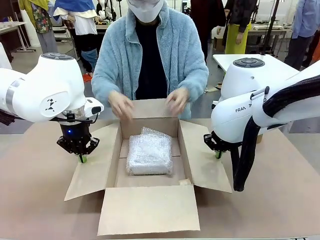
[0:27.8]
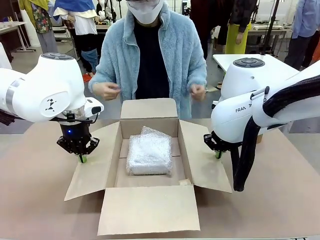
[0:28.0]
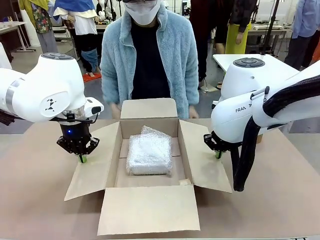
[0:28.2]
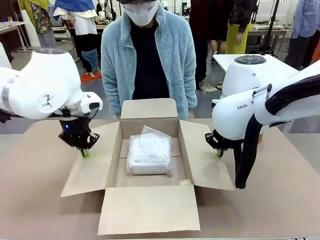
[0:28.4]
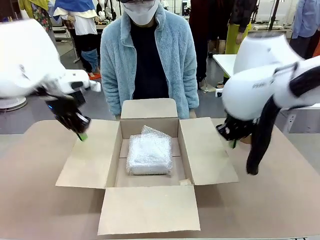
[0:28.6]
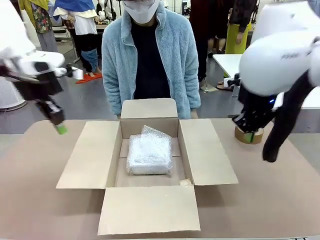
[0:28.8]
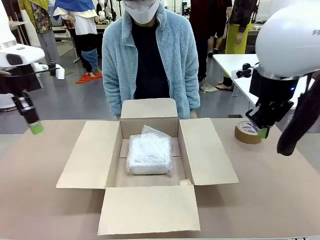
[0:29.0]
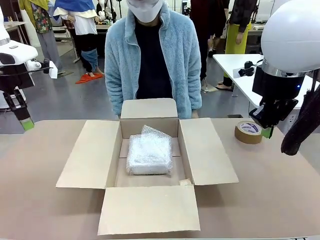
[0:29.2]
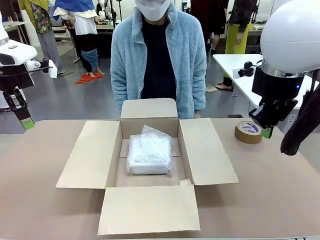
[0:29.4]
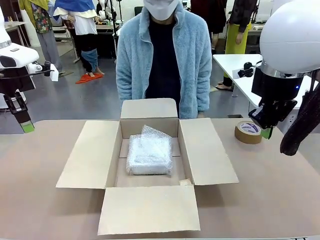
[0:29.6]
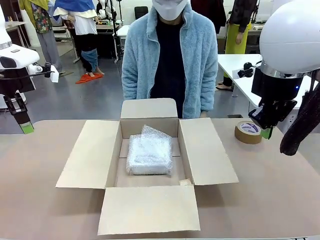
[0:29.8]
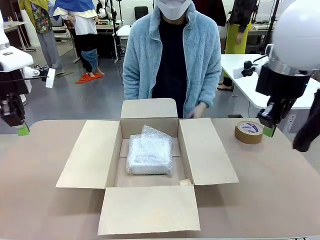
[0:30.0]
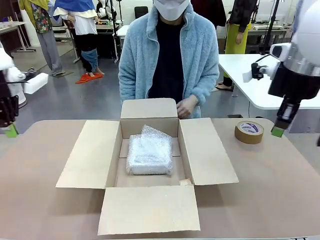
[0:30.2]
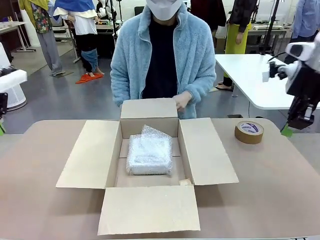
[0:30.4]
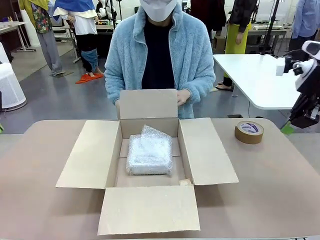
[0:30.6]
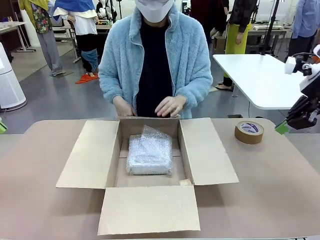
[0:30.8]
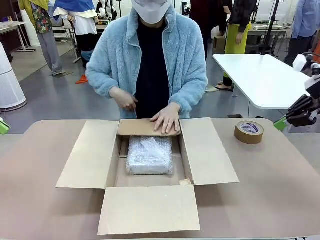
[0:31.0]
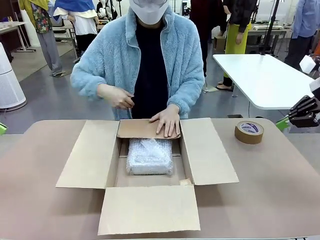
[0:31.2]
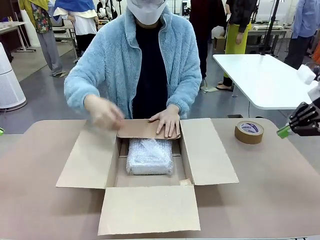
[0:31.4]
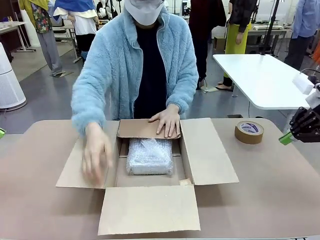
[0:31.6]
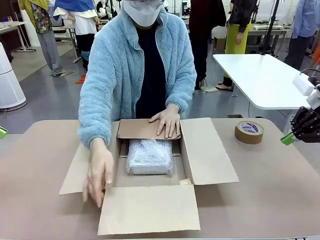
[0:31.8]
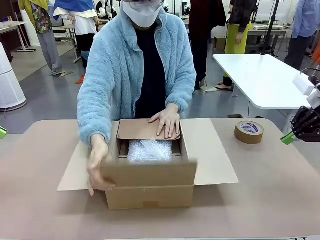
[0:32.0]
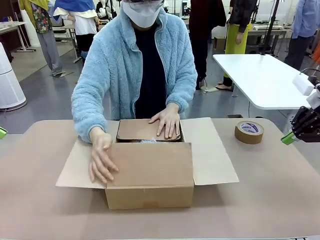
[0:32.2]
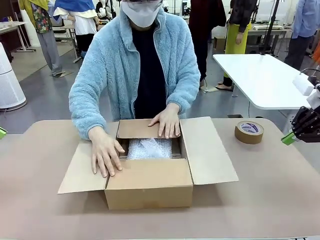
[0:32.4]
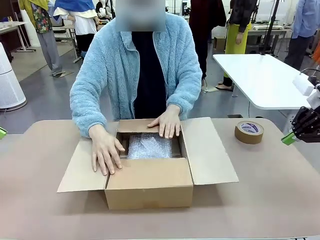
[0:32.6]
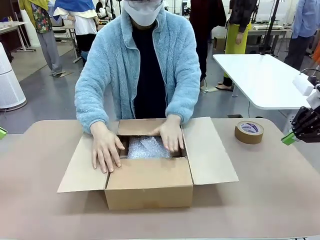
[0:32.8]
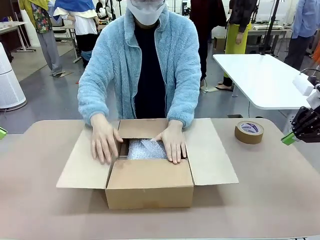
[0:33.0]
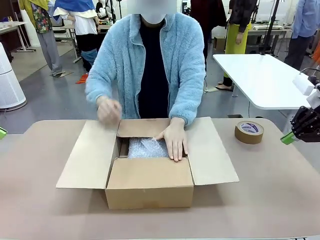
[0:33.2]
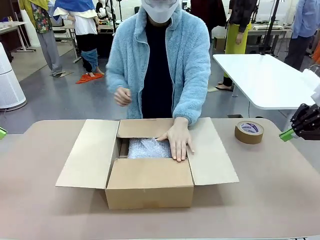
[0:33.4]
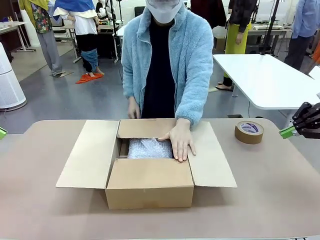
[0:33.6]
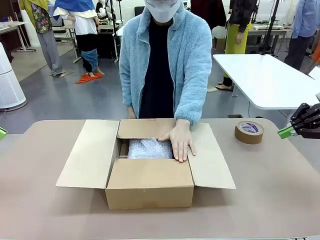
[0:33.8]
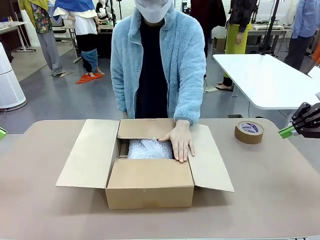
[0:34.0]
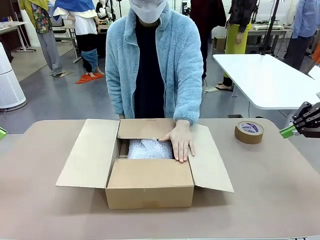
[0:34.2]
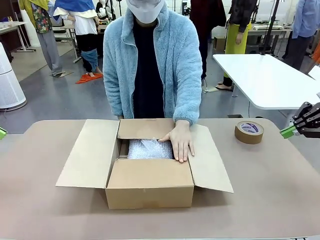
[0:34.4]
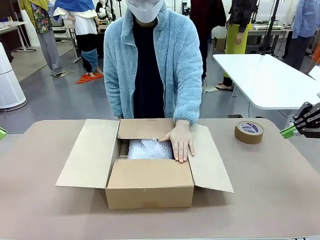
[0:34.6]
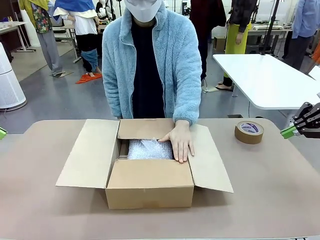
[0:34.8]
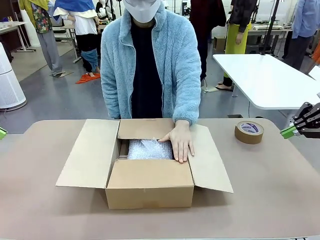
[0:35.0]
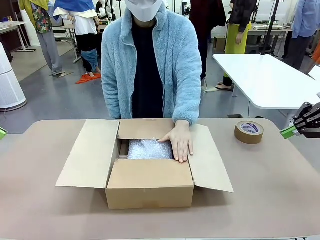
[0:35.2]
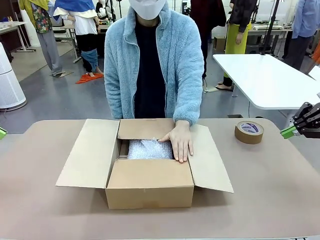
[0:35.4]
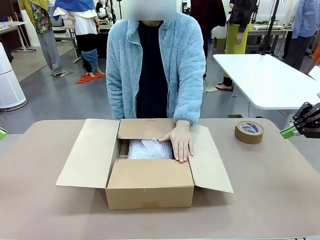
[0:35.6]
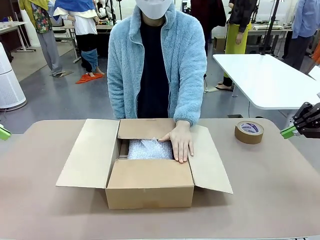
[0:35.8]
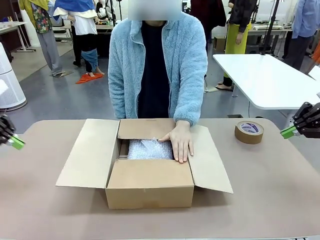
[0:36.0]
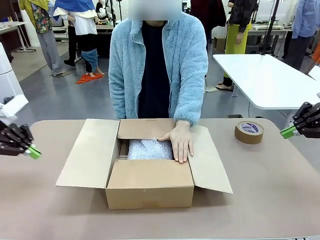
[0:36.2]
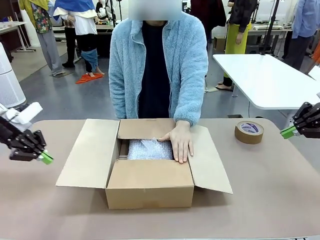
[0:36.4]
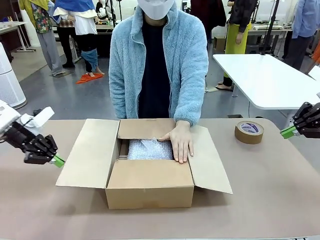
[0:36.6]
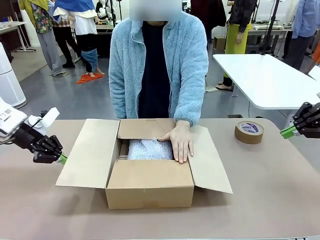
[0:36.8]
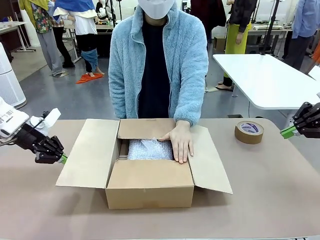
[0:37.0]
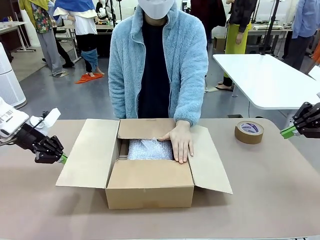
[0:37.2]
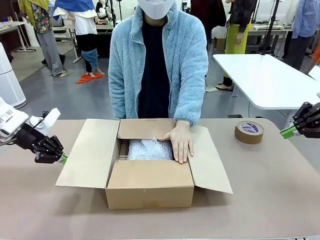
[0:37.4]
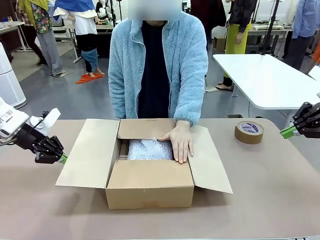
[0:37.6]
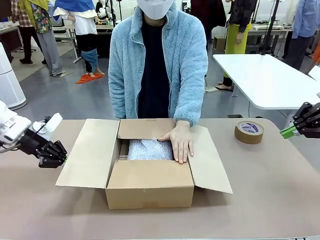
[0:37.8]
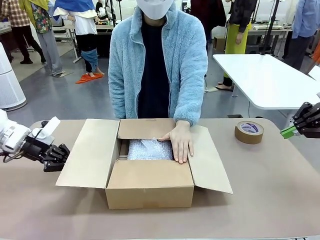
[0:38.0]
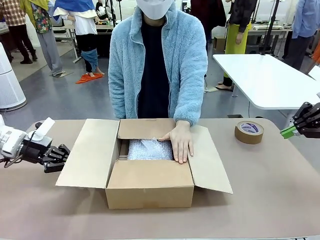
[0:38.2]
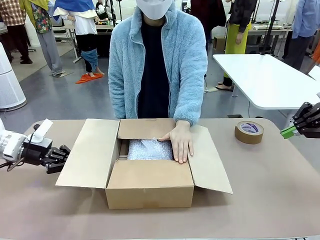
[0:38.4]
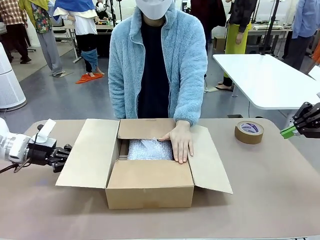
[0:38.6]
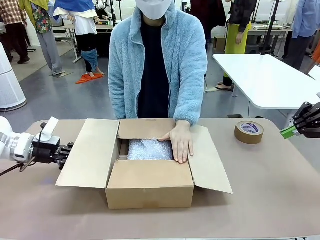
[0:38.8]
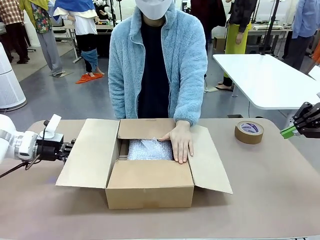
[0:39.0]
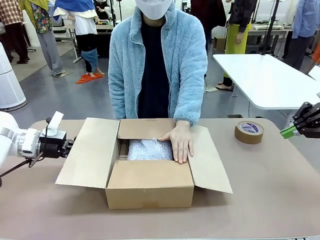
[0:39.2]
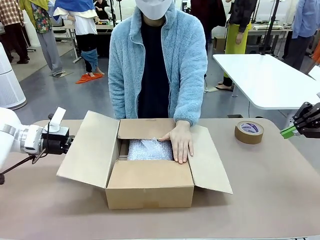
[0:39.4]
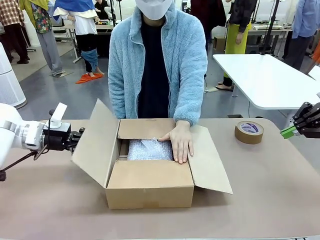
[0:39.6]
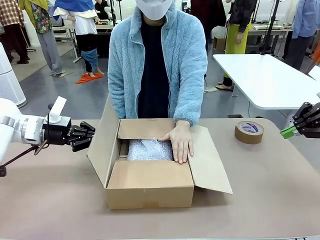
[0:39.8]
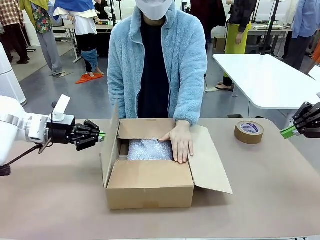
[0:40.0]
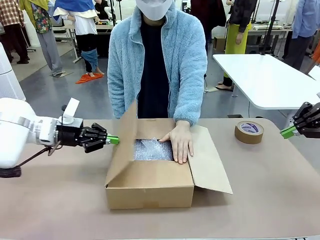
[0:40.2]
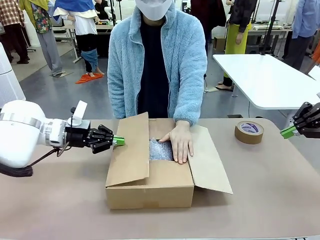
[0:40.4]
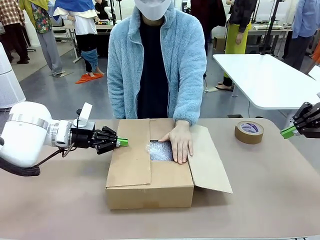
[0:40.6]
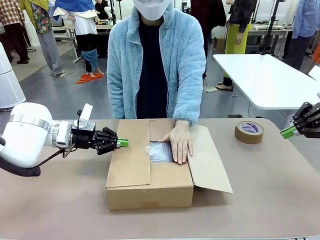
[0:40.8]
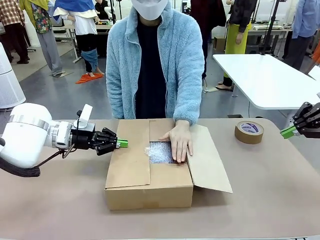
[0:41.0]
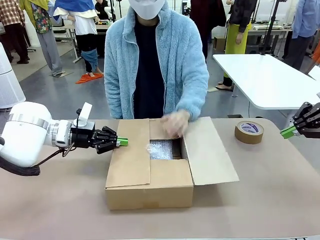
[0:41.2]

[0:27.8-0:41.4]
Task: Wrap the clocks to prevent damage.
Robot: Once the human has placed the objects inside and stepped back, release both hands from the side flaps of the Package Box.
Person: Hold the top and bottom flaps of the Package Box closed with your left (or right) hand. Once the robot closes the right flap of the Package Box , release your left hand from the box.

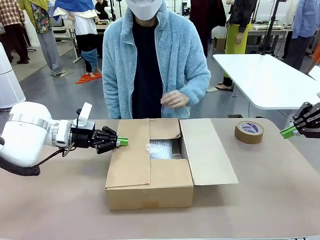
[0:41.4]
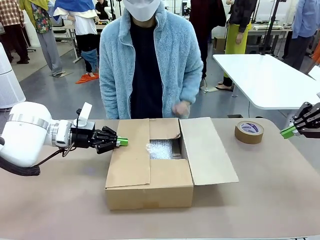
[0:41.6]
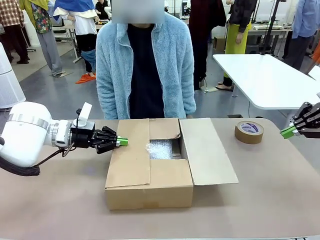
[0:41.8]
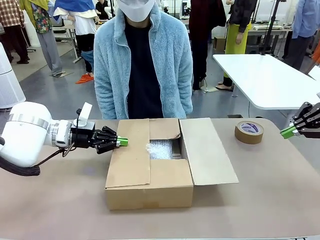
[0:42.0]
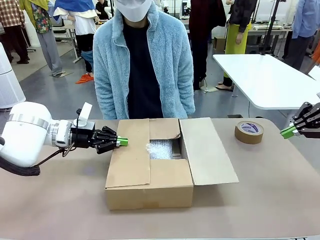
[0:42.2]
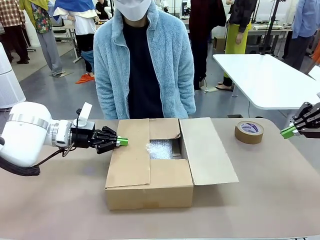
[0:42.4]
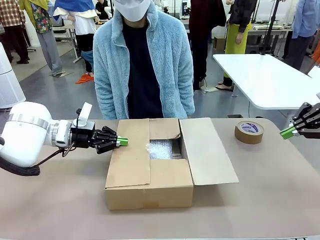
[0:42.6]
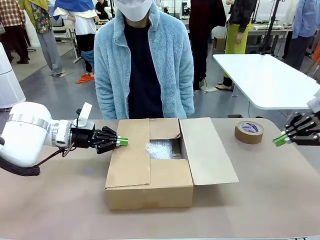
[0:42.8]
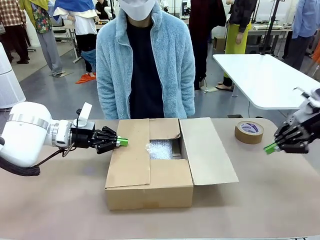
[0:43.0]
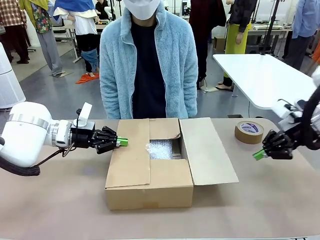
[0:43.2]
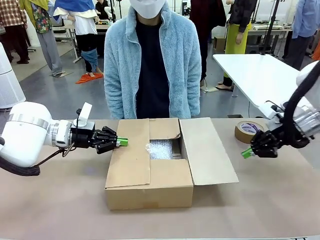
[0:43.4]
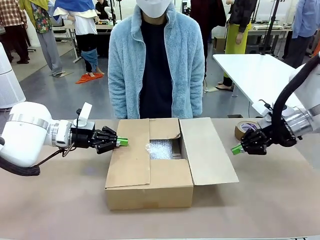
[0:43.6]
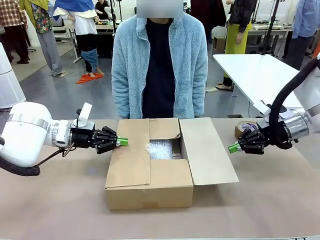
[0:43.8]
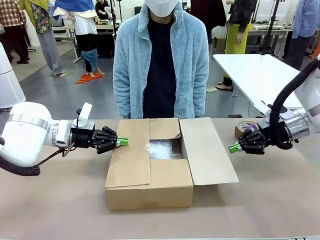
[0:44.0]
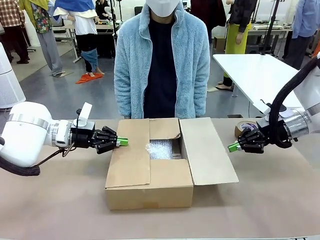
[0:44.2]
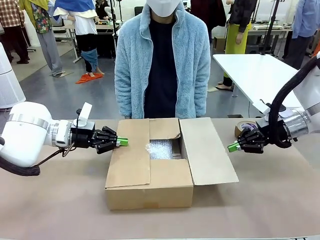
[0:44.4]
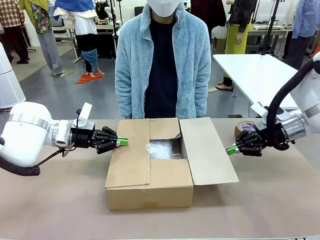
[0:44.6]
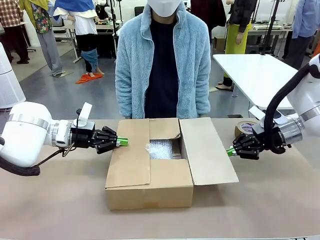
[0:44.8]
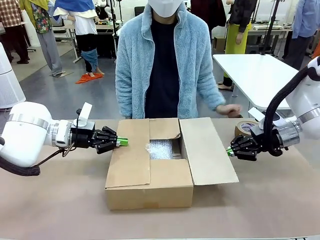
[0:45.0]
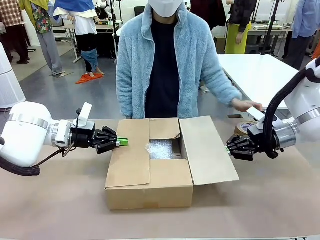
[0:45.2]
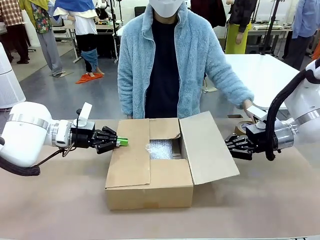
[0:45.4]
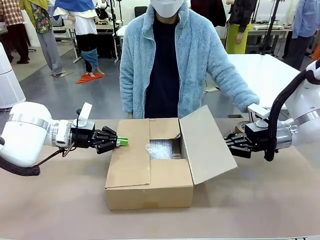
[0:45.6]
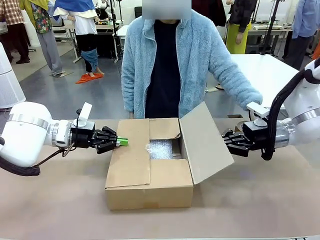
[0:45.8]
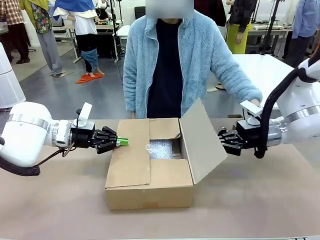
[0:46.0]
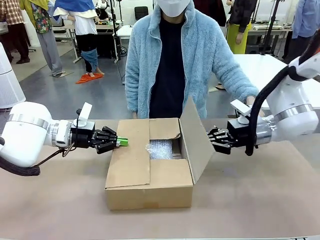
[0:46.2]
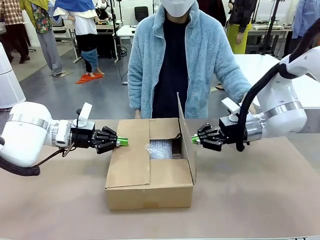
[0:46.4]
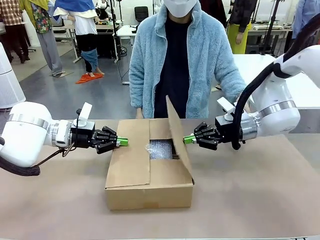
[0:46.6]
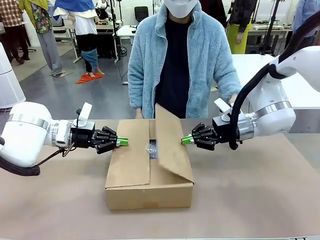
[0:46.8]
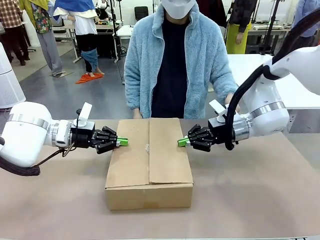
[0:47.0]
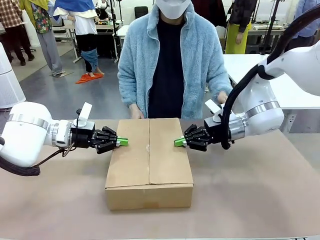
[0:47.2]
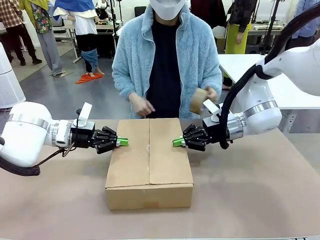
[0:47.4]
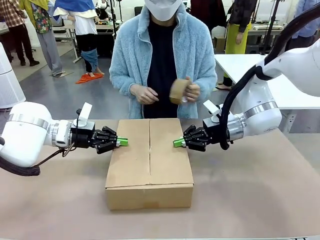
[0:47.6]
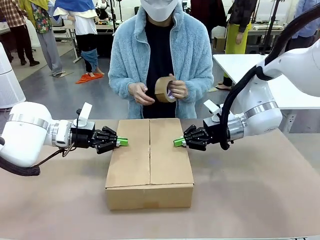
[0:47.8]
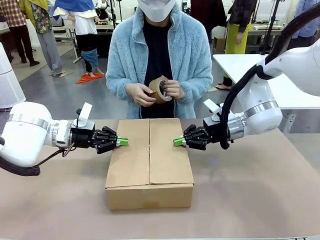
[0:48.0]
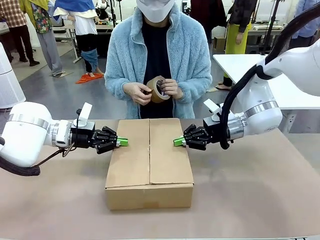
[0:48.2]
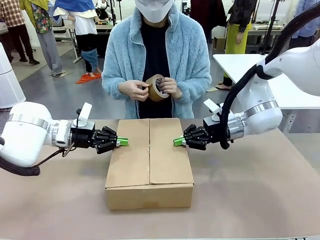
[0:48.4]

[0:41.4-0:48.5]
Robot: Push the right (or left) flap of the Package Box to close it.
